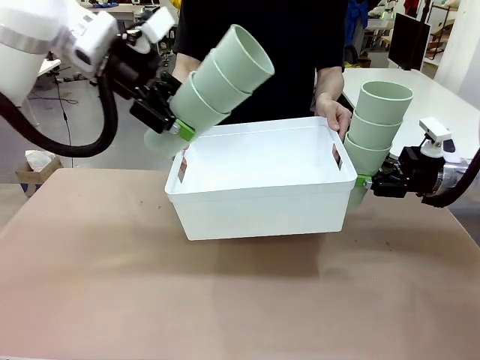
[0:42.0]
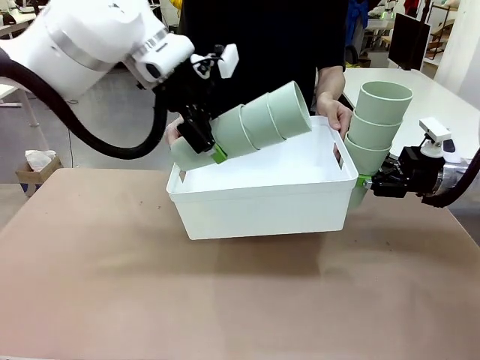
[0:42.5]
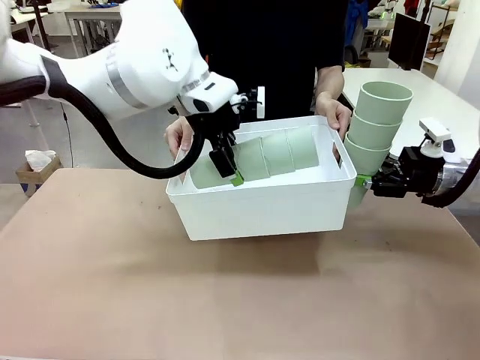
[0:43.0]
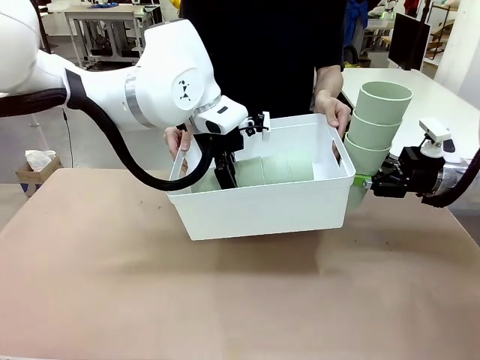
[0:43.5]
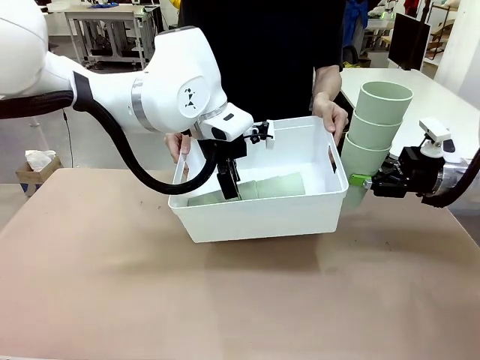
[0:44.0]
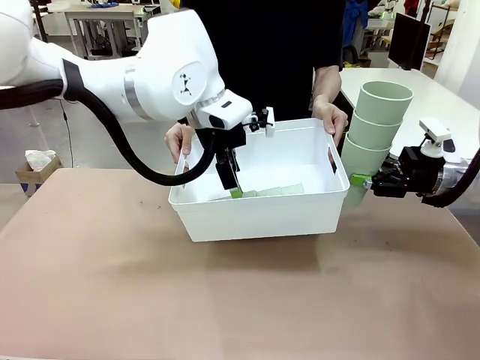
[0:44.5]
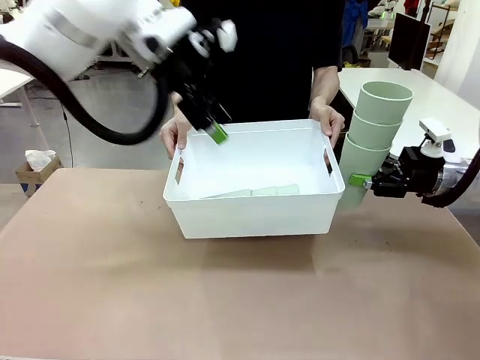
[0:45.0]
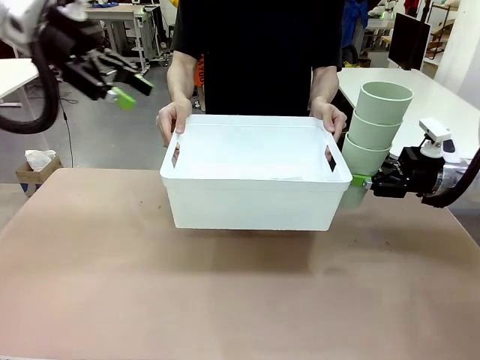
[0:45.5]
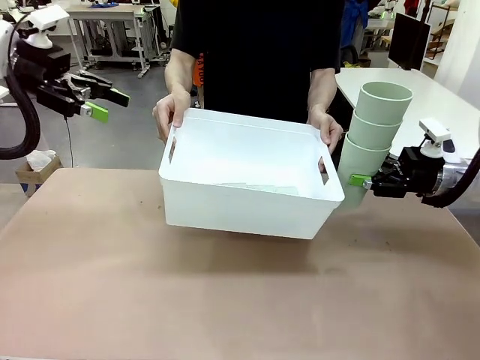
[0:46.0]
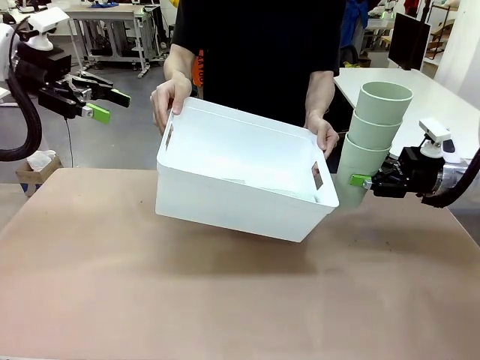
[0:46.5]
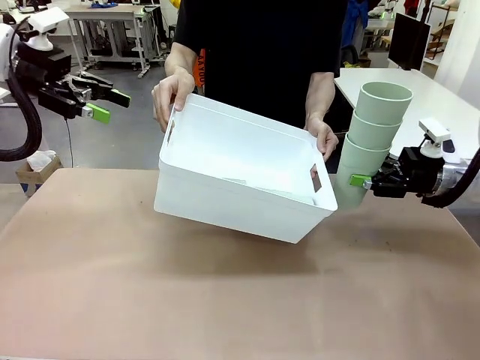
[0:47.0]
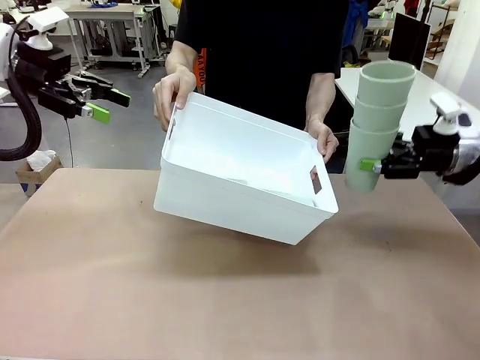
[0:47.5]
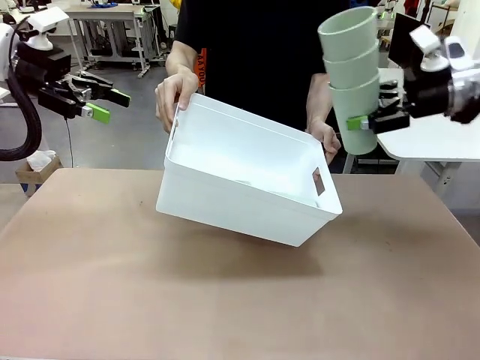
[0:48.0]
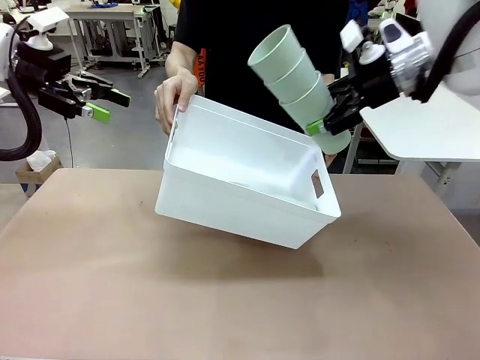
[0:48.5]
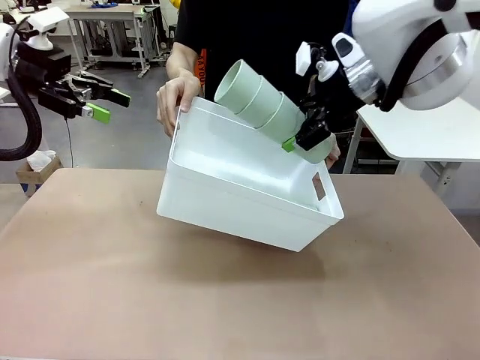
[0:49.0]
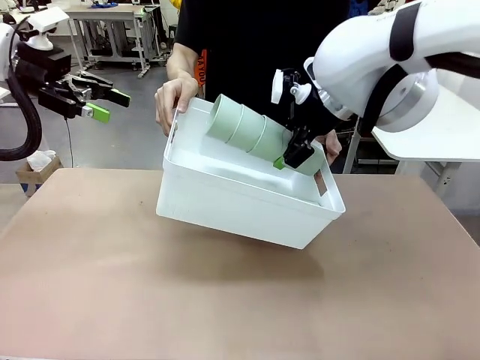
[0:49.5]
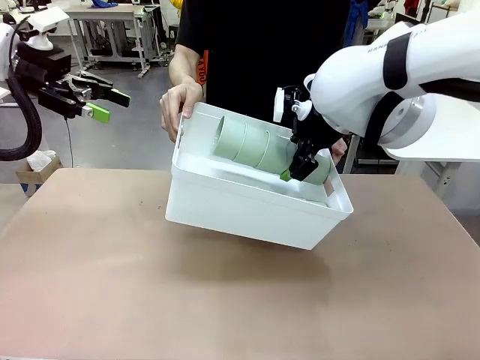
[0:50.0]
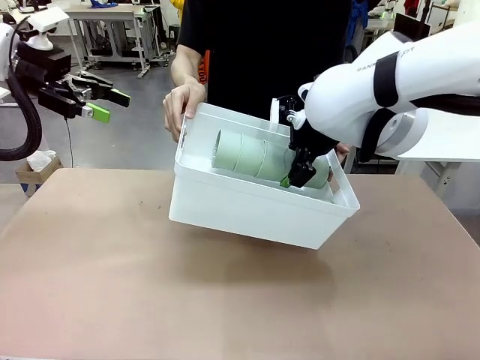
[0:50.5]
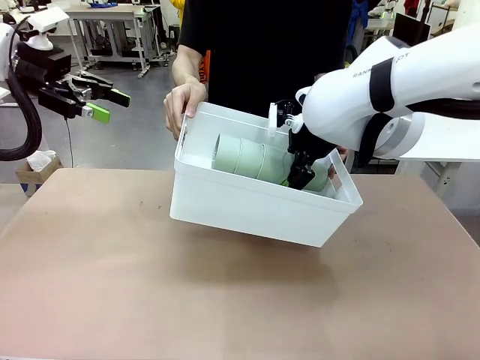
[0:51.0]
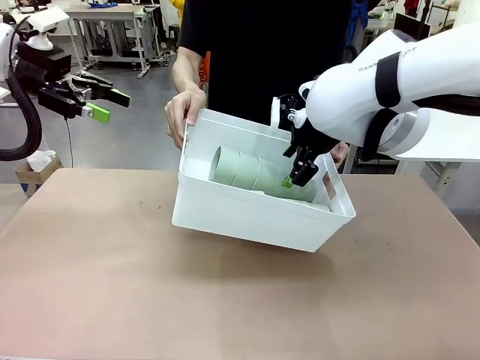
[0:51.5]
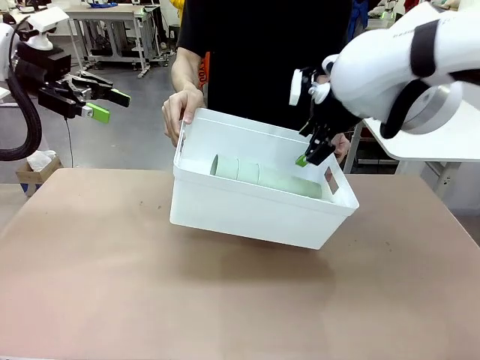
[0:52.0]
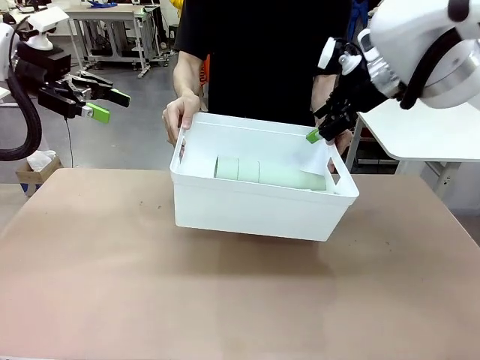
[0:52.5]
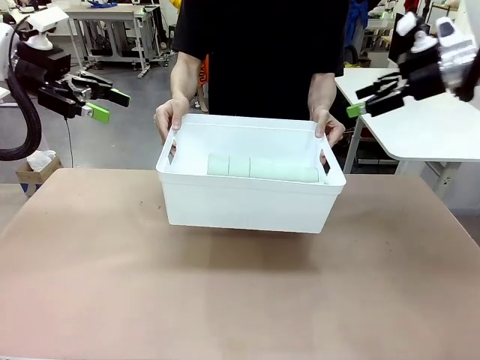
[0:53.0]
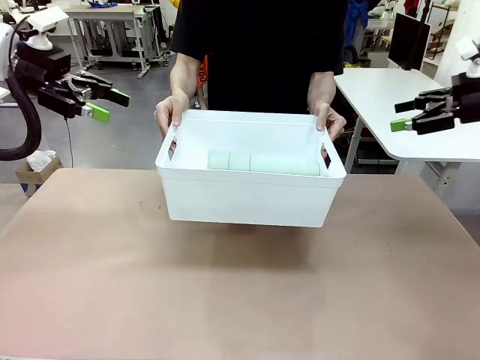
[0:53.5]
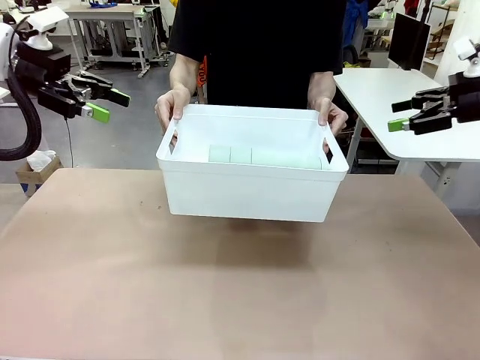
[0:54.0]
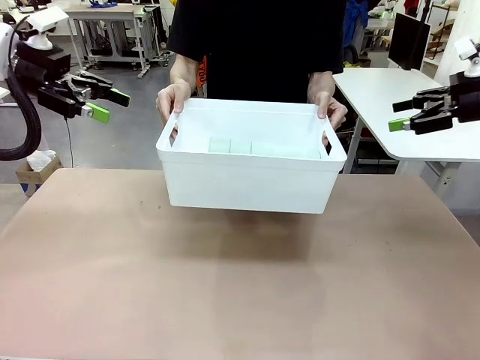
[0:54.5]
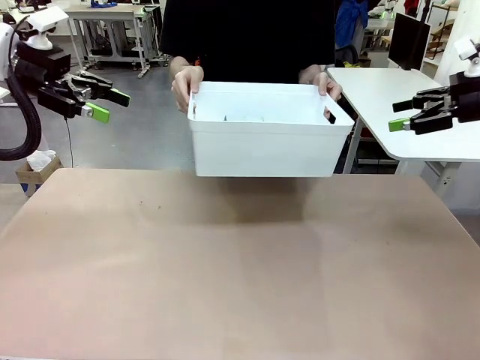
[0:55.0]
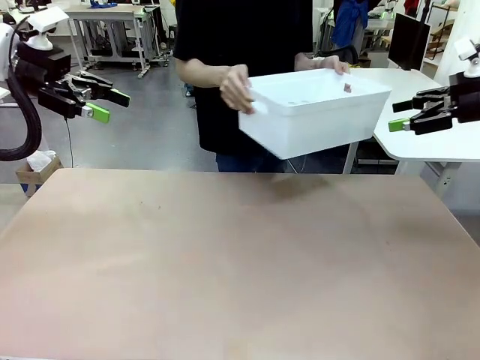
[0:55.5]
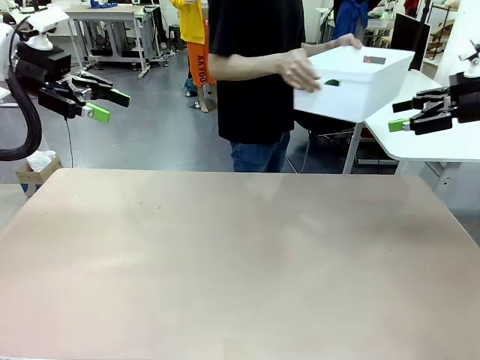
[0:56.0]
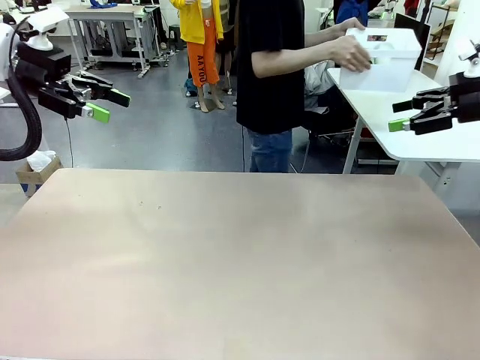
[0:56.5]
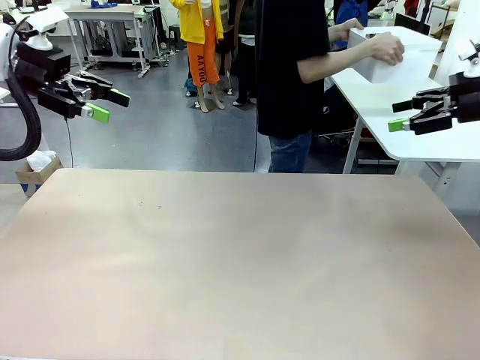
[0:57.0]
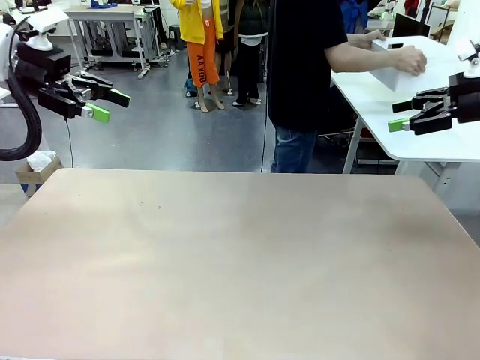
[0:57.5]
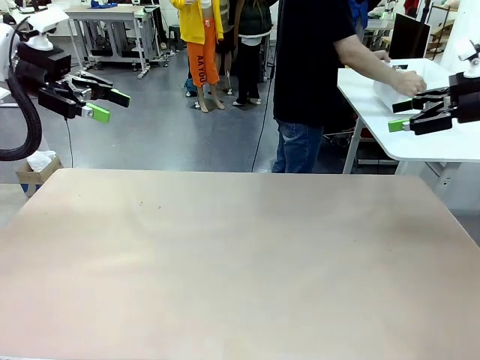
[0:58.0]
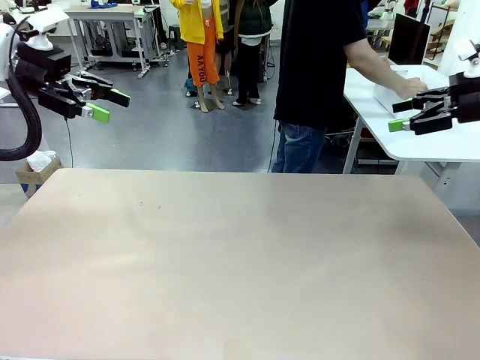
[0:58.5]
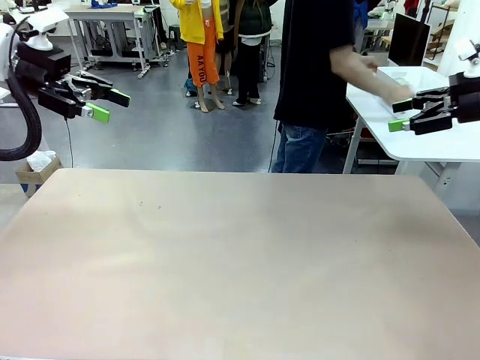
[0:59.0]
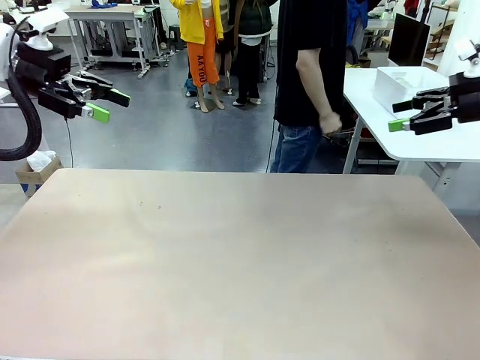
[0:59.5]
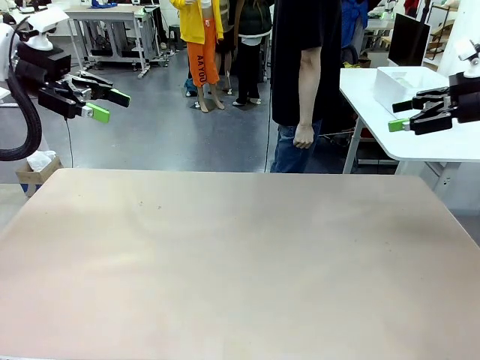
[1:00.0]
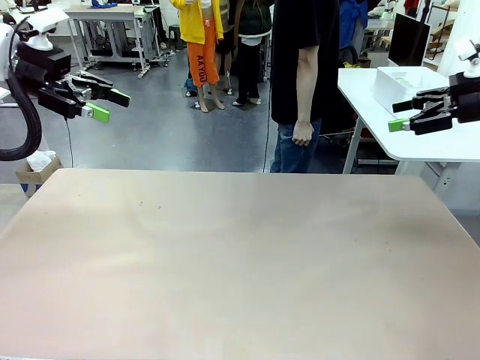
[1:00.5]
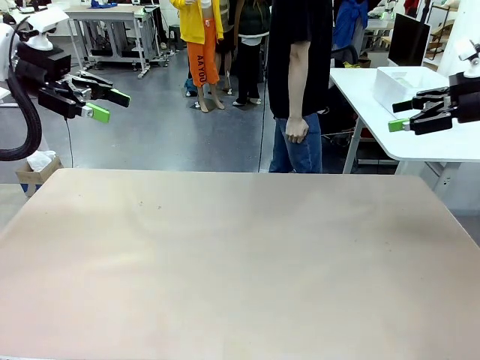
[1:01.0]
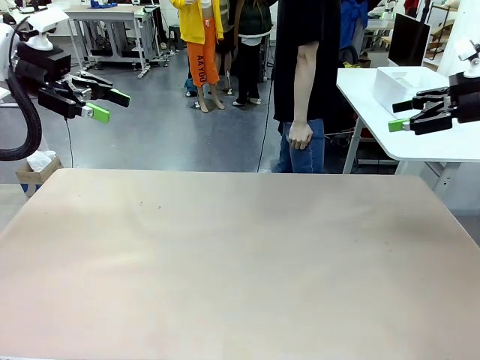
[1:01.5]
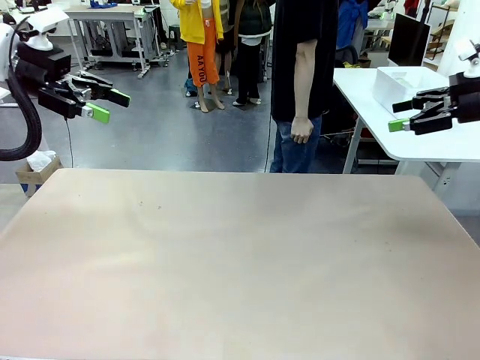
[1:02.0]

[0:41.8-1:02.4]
Task: Stack the cups and store them in the basket.
Robot: Place the stack of Reusable plastic cups into the Pantry Basket.
Person: Place the basket containing the cups in the middle of the Human Table.

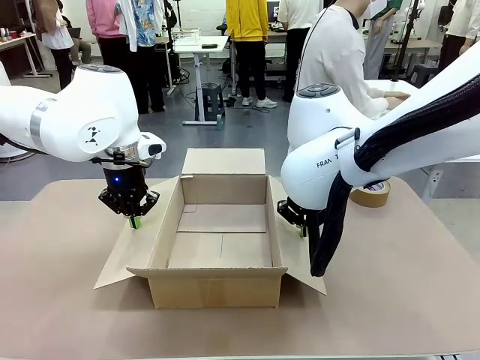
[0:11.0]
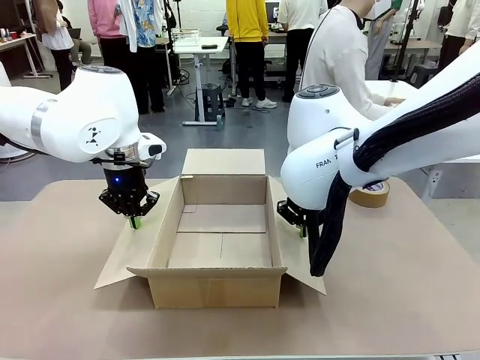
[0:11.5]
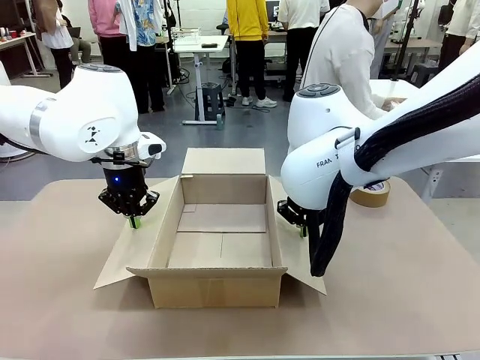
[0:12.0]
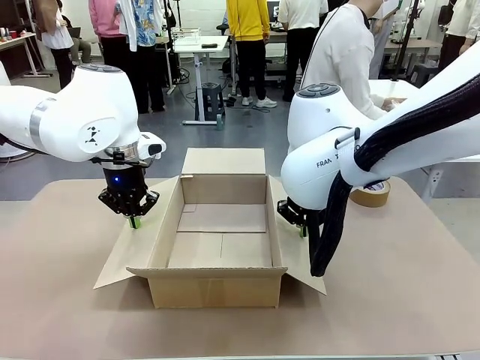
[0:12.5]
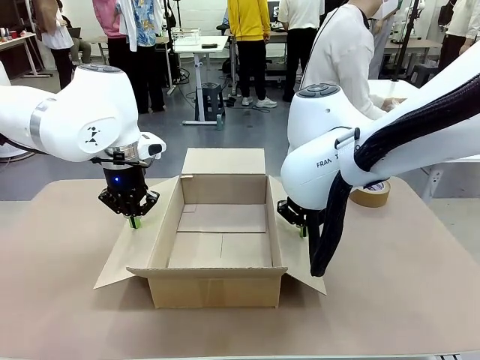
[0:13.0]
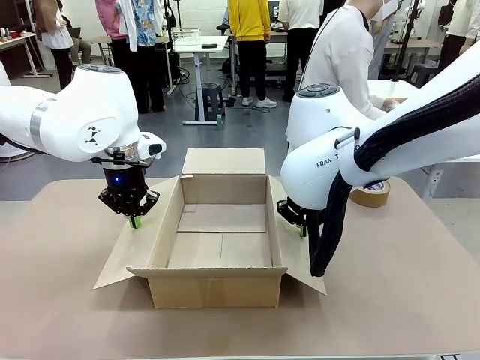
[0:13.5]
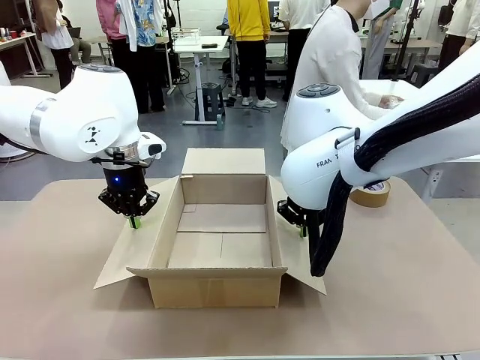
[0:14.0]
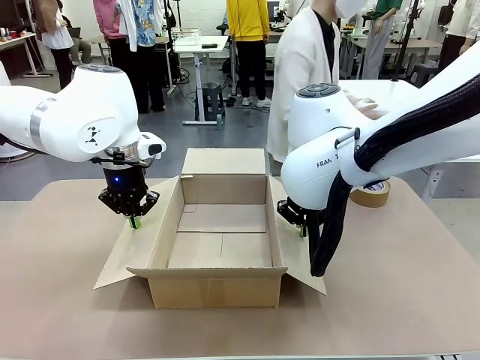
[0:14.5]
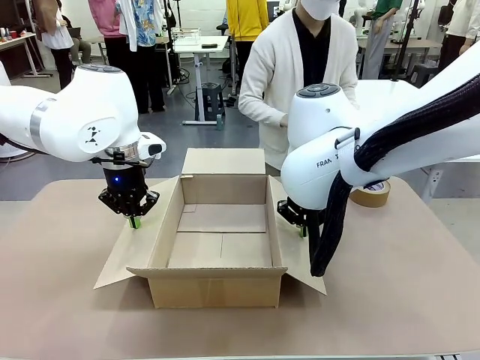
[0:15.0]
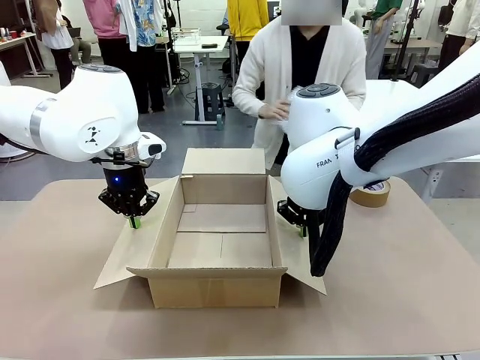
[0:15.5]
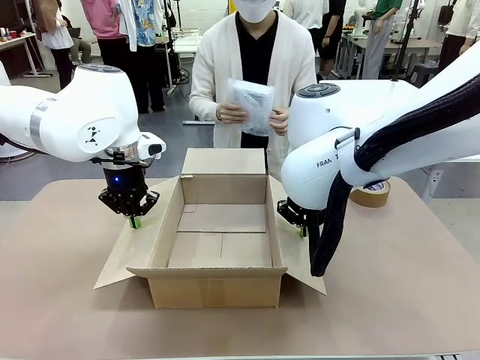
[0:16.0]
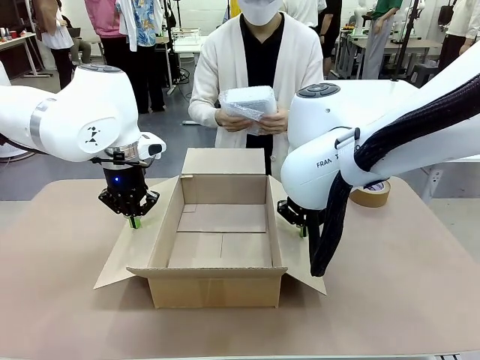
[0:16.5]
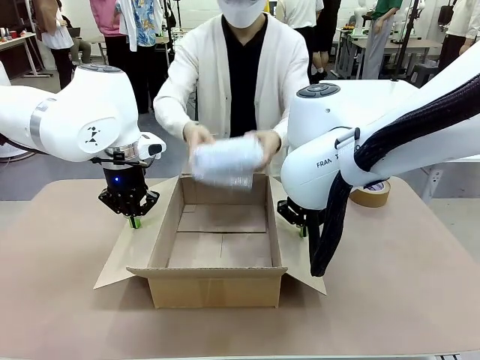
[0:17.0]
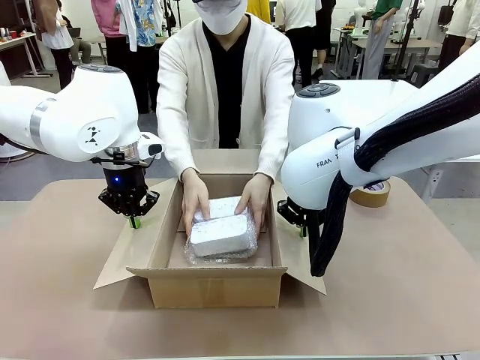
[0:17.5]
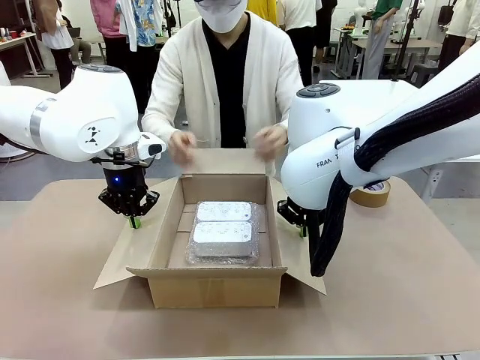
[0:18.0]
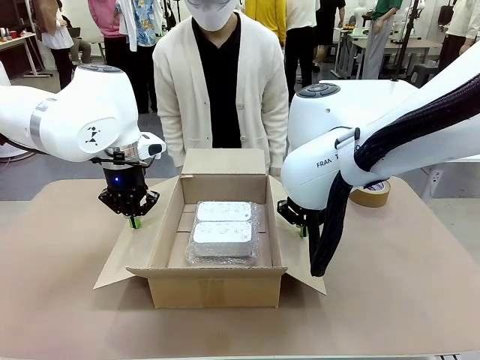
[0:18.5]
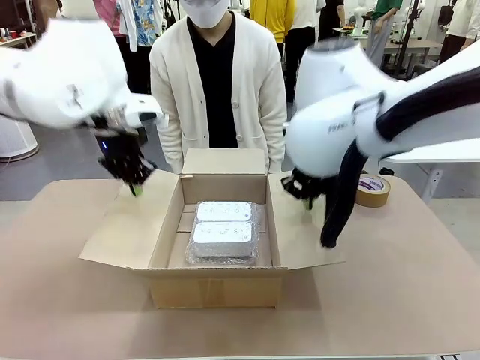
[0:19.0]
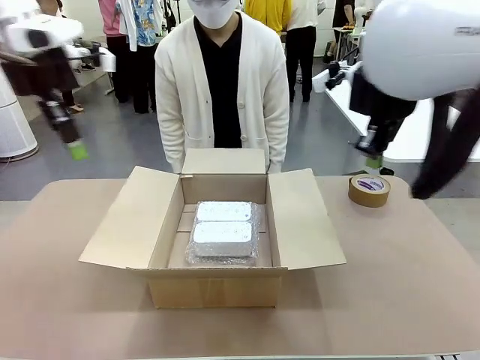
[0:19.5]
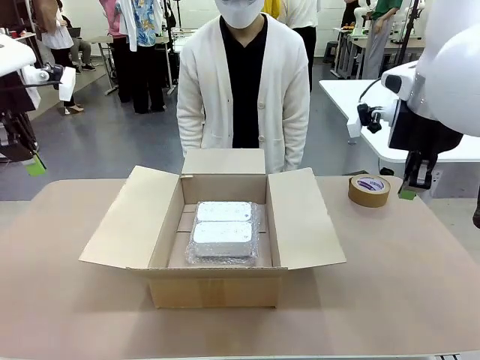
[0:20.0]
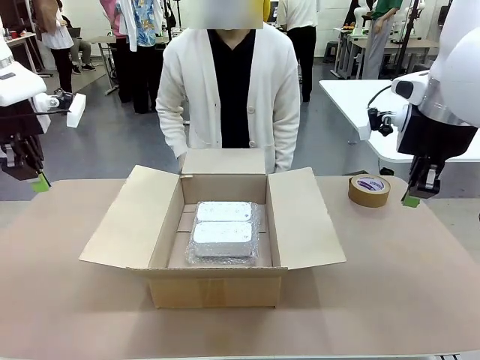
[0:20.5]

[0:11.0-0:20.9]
Task: Wrap the clocks to prevent damage.
Robot: Once the human has placed the objects inside and stepped back, release both hands from the side flaps of the Package Box.
Person: Place the wrapped Digital clocks inside the Package Box.
